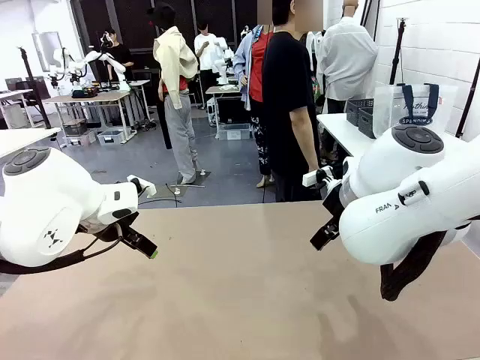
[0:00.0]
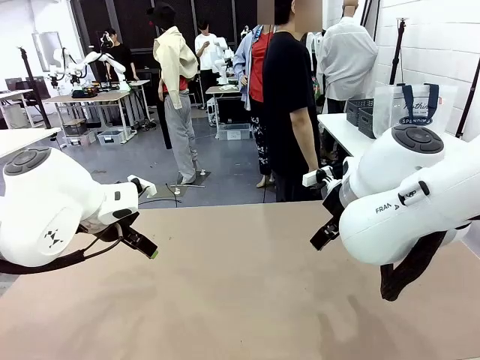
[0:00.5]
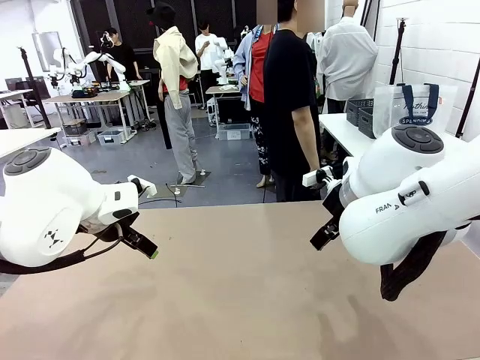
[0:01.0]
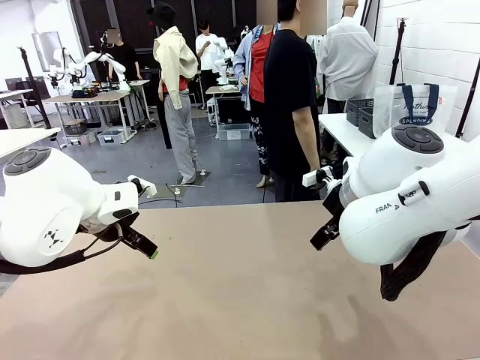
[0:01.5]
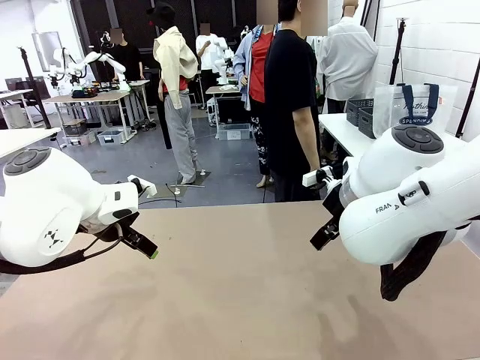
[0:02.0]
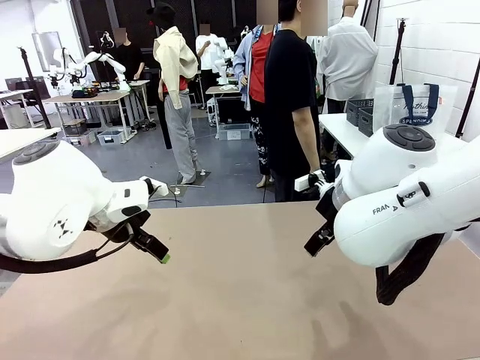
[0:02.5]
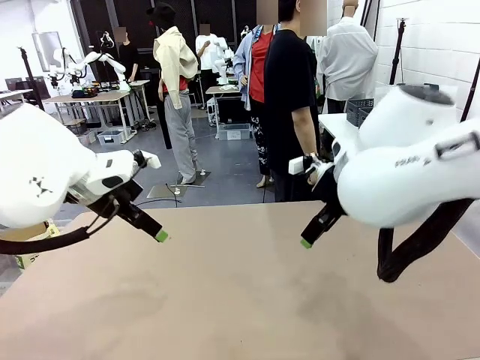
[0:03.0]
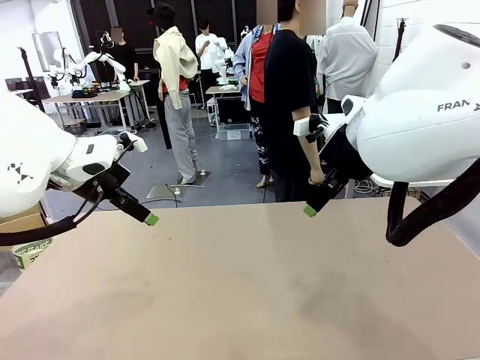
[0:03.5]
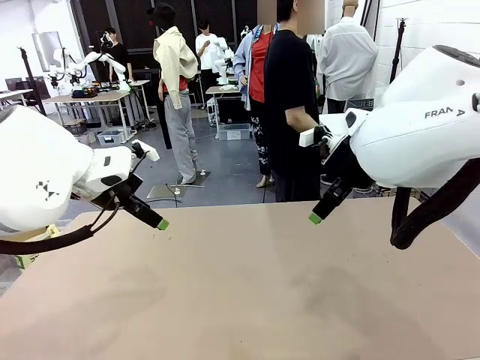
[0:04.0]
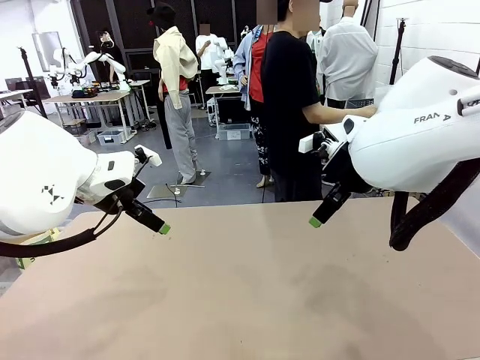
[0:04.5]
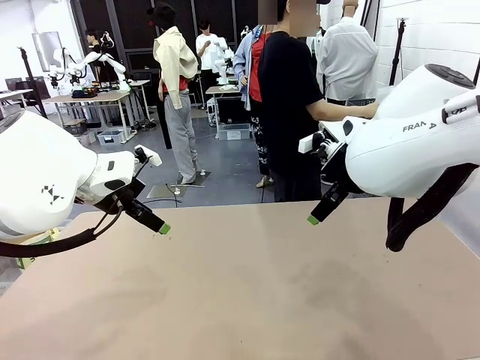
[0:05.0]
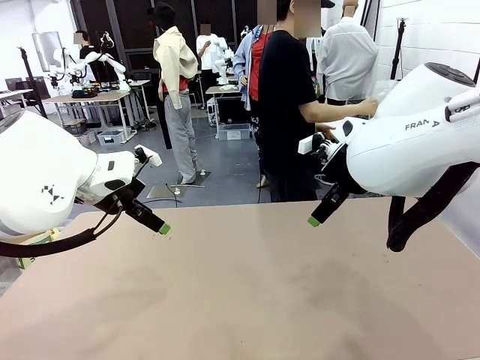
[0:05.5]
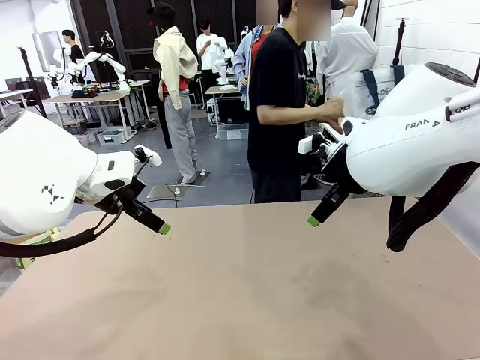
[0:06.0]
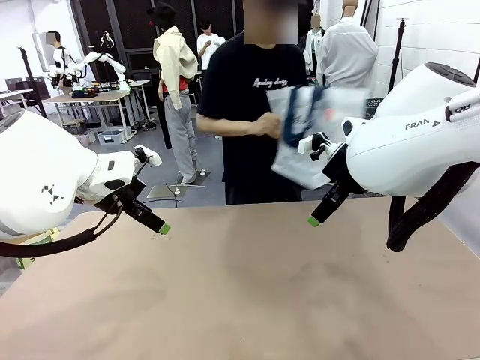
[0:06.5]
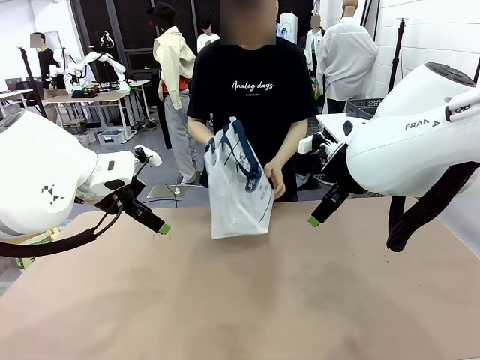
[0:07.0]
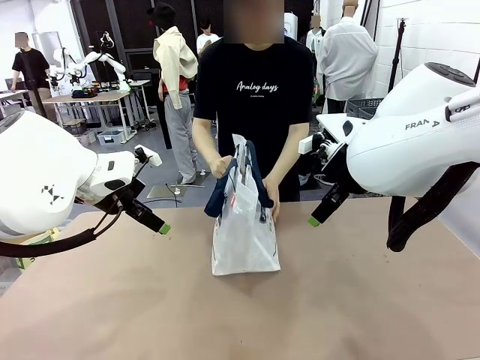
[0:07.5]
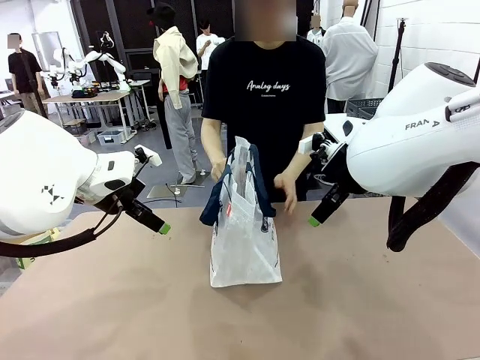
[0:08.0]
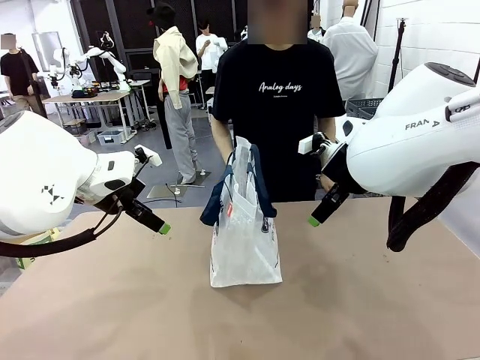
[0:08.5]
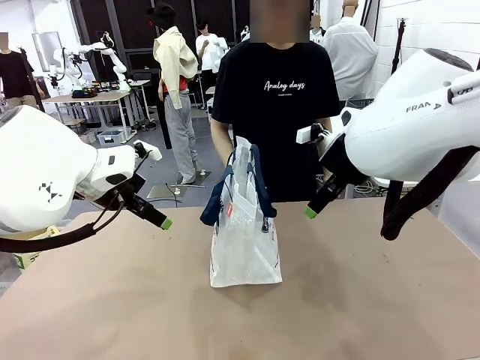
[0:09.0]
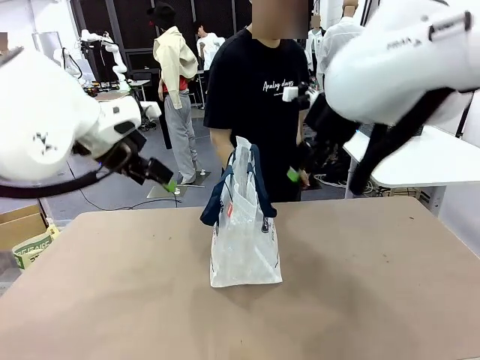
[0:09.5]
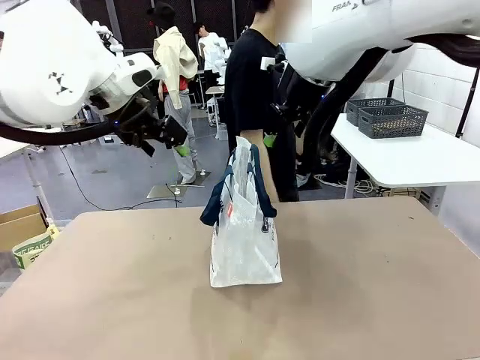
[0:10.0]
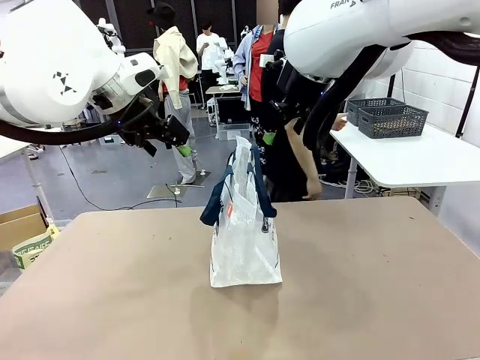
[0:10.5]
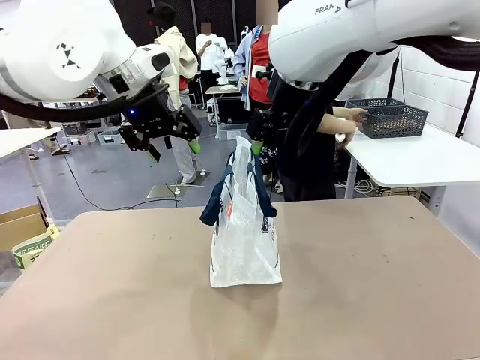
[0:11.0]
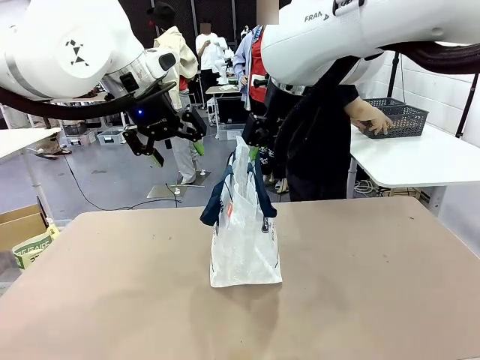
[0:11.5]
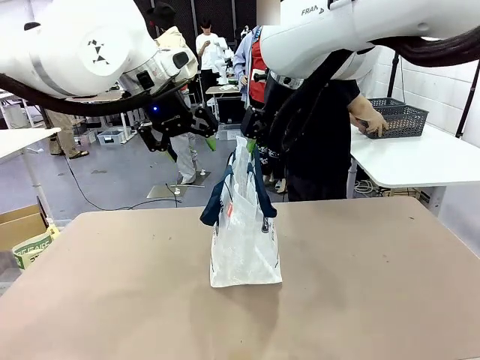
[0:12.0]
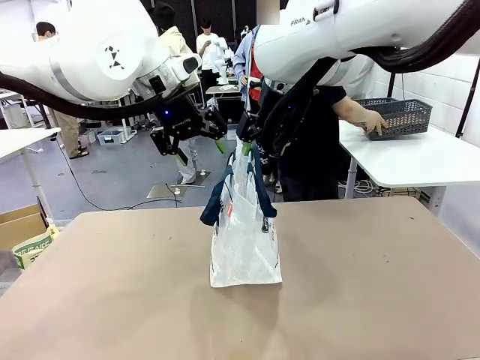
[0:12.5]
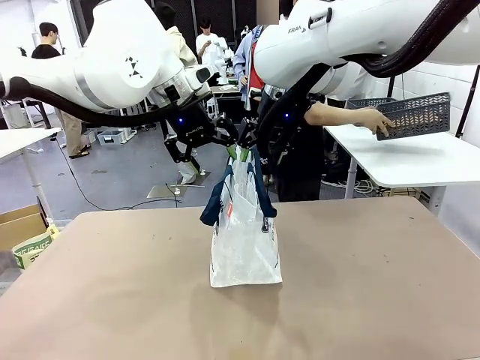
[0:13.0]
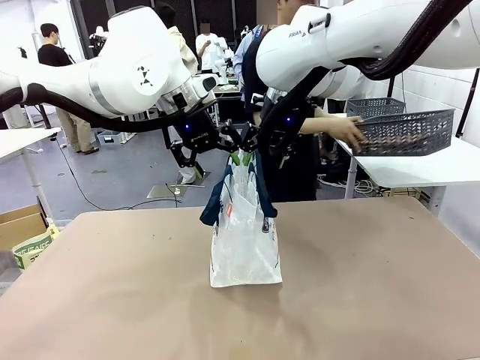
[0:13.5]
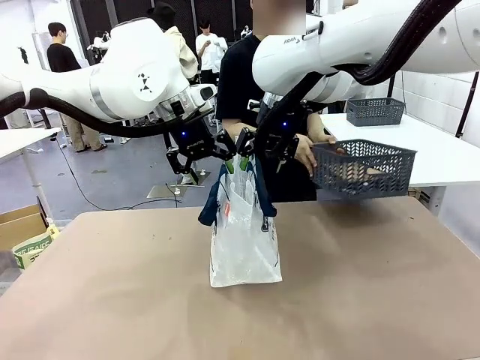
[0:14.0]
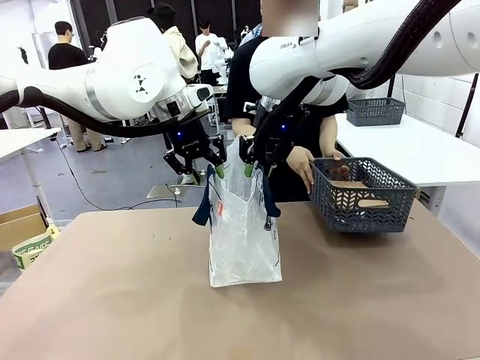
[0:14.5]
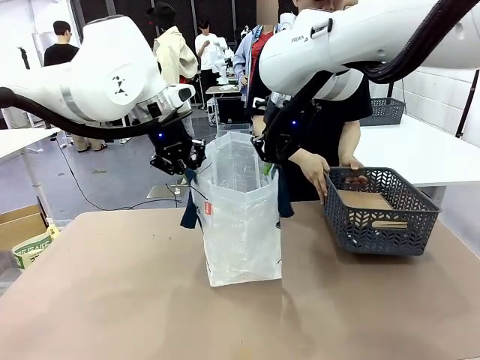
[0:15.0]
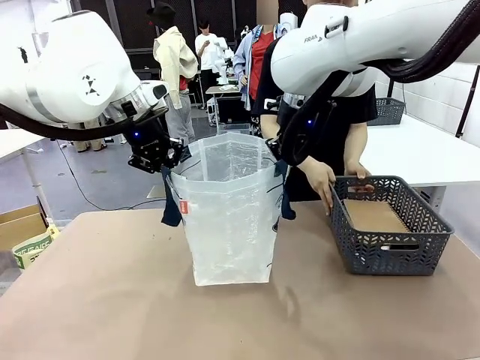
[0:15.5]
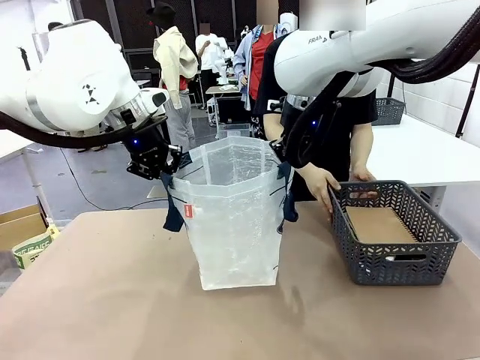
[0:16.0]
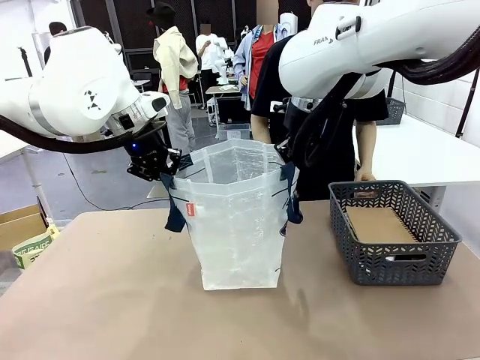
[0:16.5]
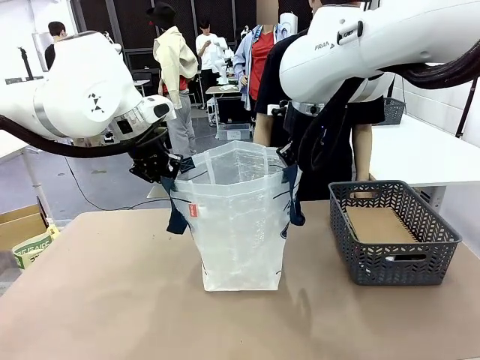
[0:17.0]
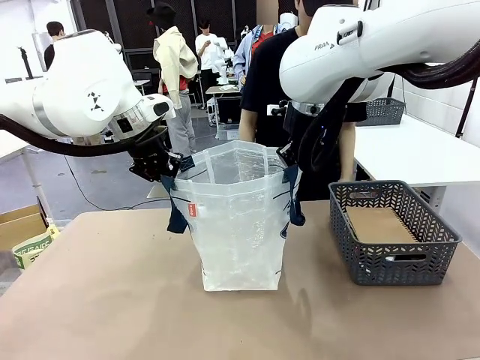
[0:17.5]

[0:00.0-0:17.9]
Task: Transfer purchased items from the store into the shopping bag.
Robot: Open the Reusable shopping bag in the center of the table.
Person: Pick up the shopping bag and place it in the middle of the robot table.
